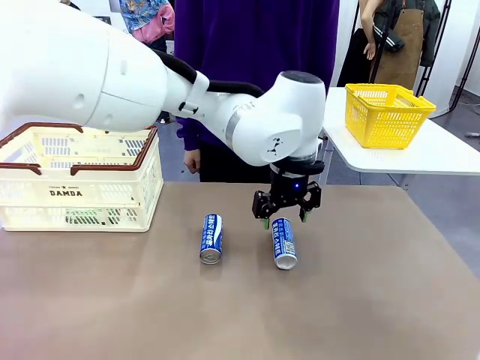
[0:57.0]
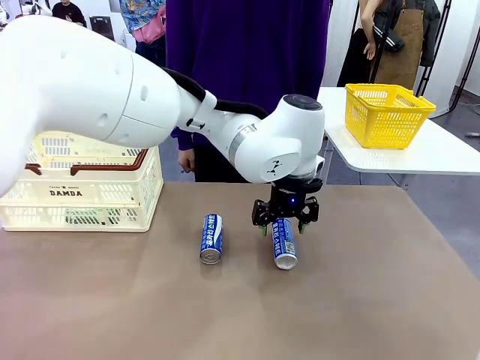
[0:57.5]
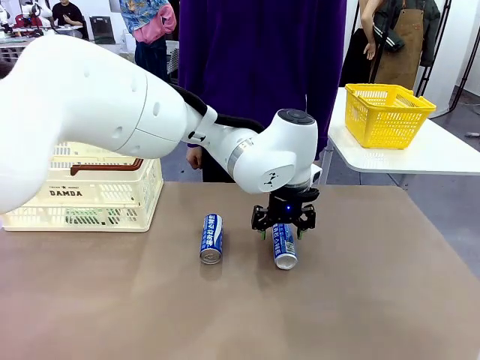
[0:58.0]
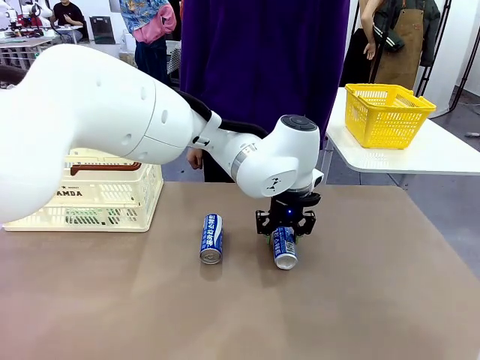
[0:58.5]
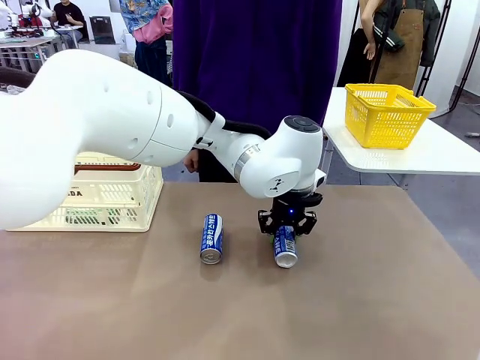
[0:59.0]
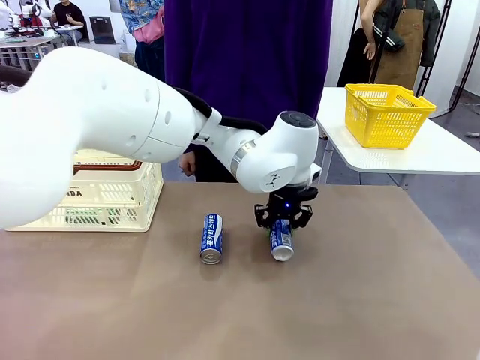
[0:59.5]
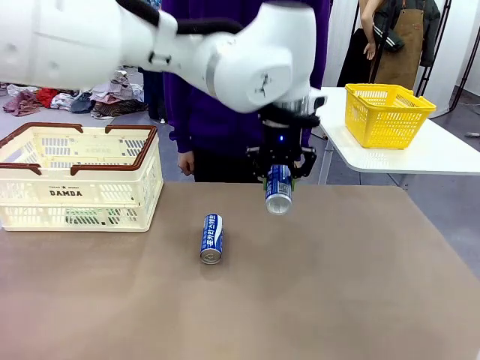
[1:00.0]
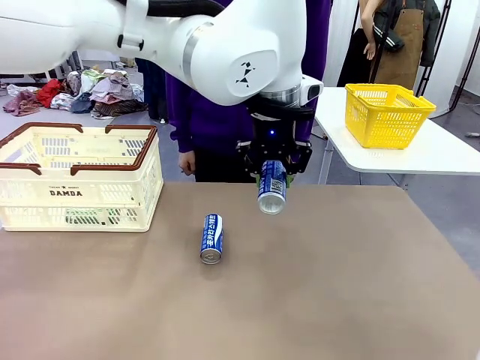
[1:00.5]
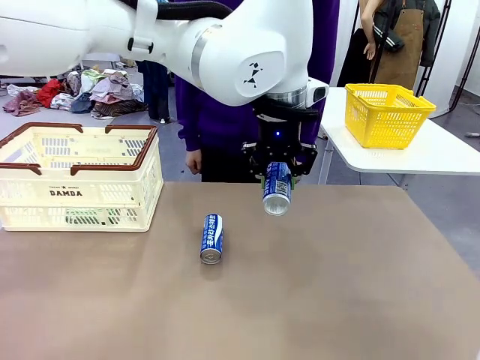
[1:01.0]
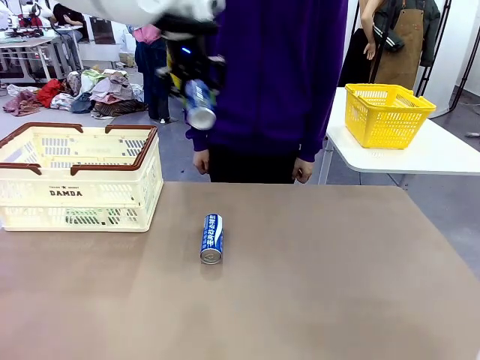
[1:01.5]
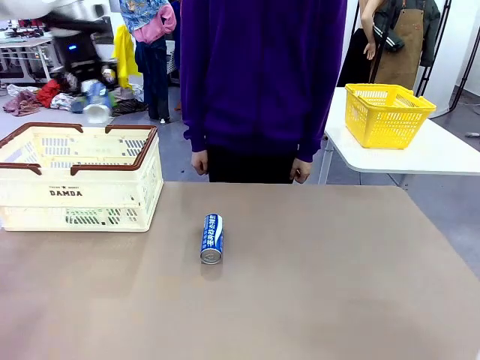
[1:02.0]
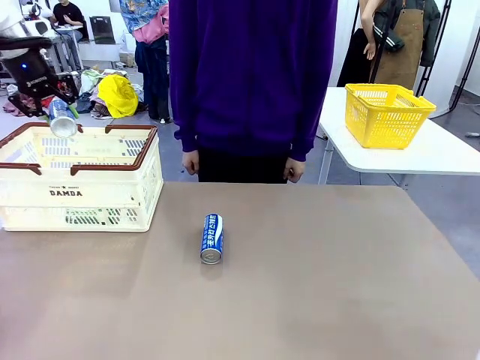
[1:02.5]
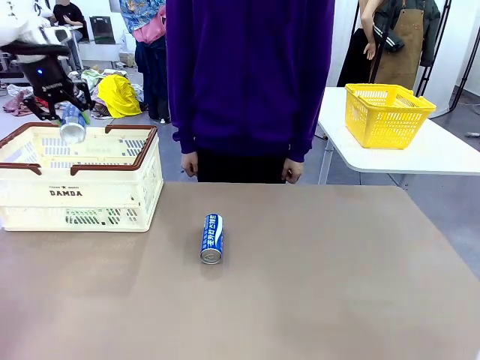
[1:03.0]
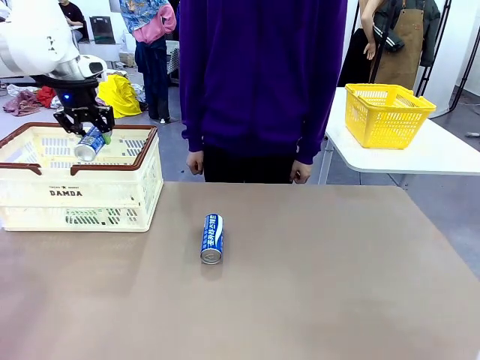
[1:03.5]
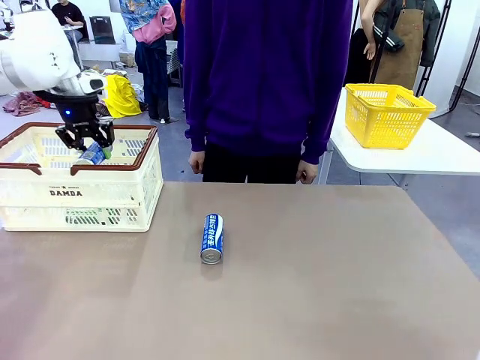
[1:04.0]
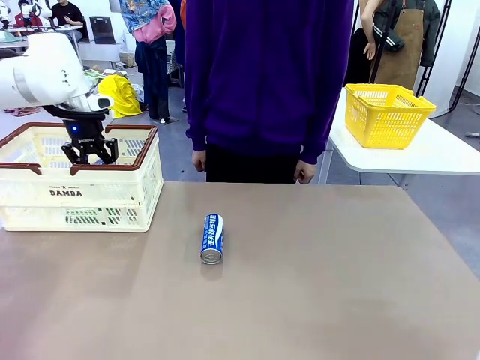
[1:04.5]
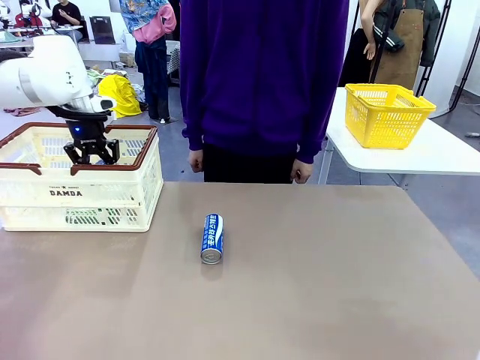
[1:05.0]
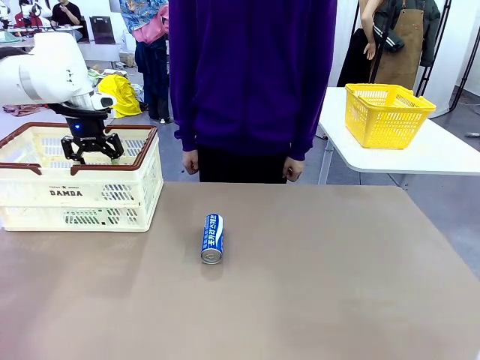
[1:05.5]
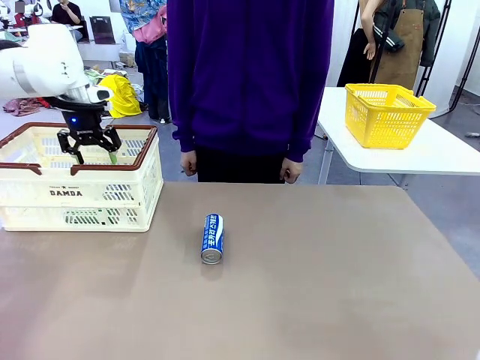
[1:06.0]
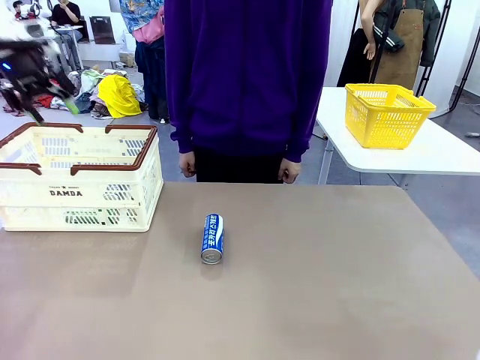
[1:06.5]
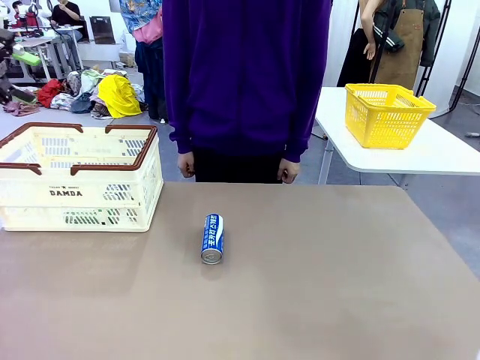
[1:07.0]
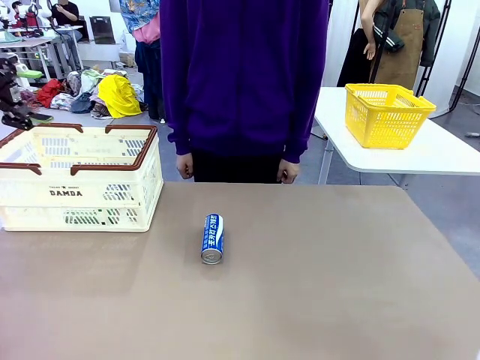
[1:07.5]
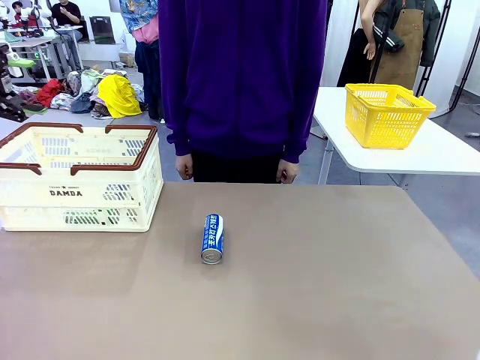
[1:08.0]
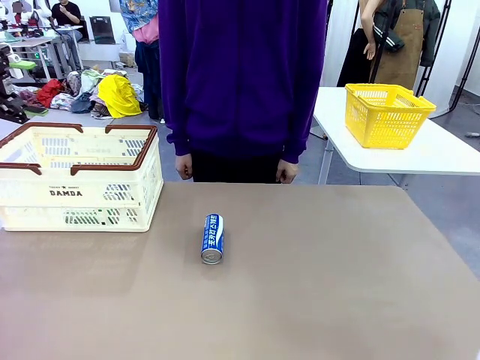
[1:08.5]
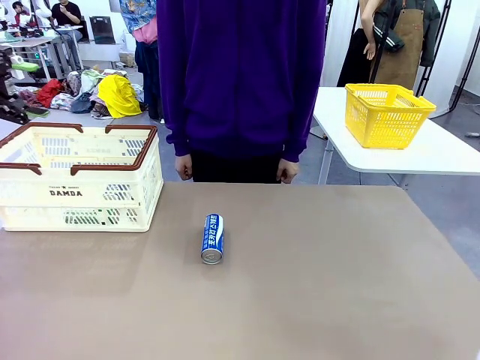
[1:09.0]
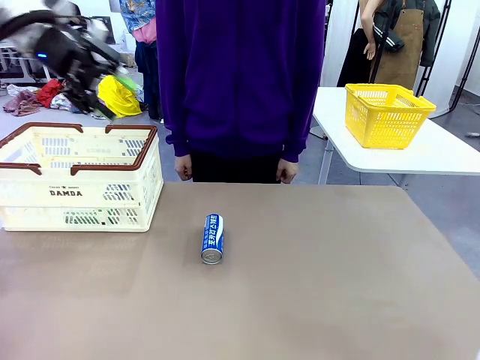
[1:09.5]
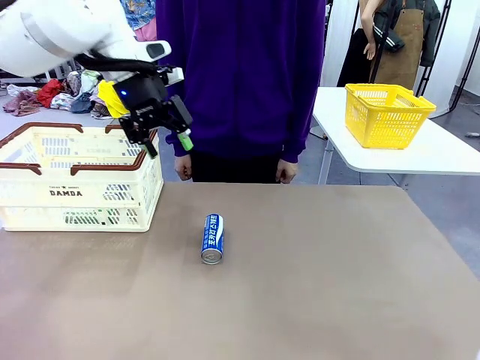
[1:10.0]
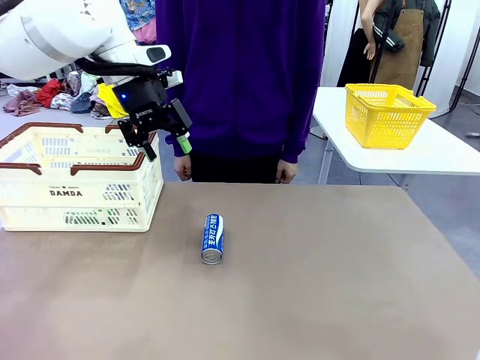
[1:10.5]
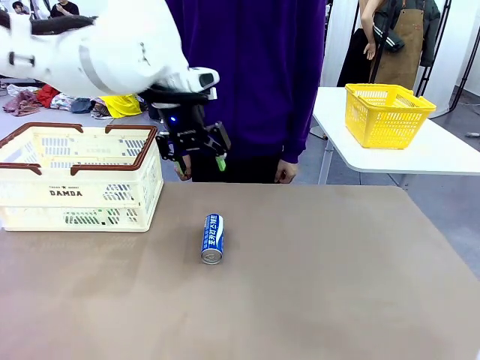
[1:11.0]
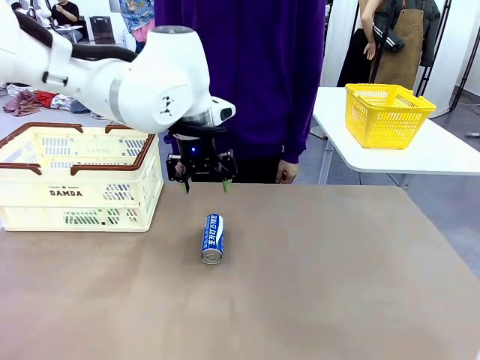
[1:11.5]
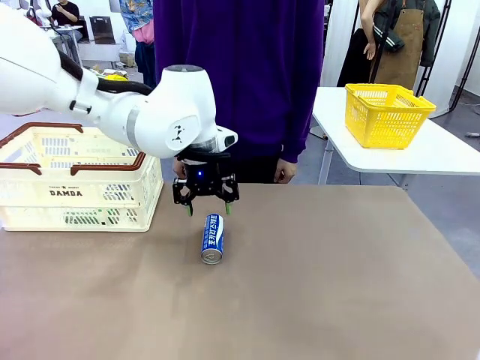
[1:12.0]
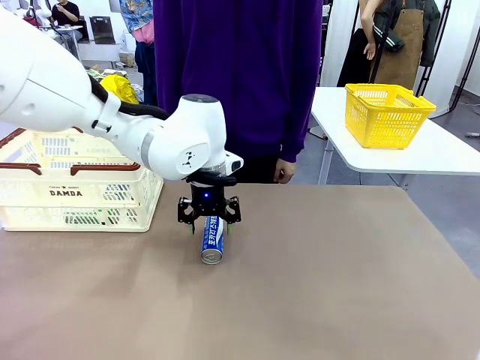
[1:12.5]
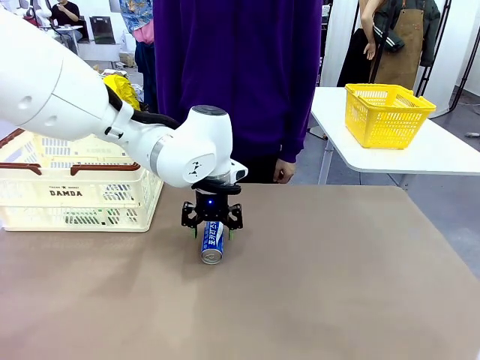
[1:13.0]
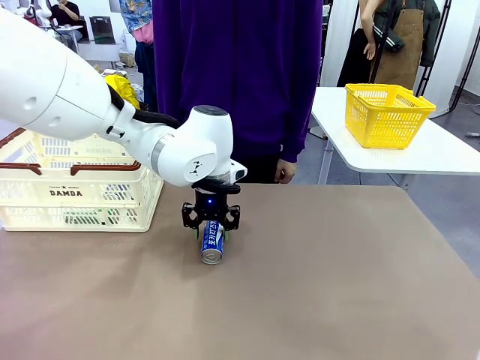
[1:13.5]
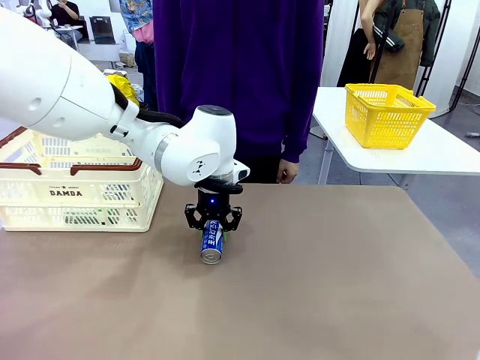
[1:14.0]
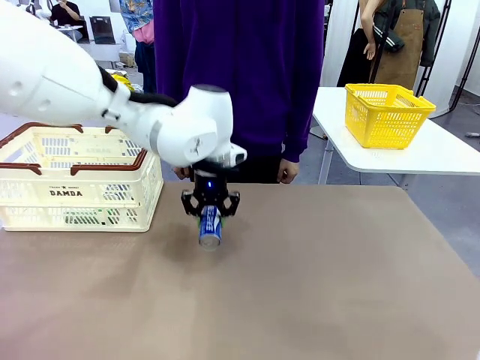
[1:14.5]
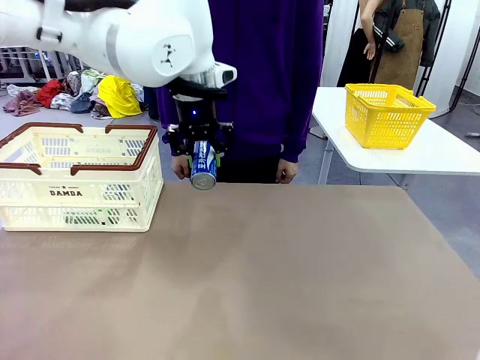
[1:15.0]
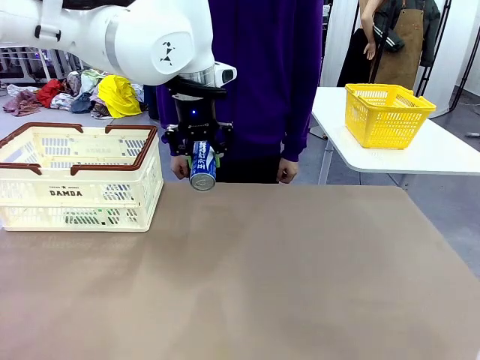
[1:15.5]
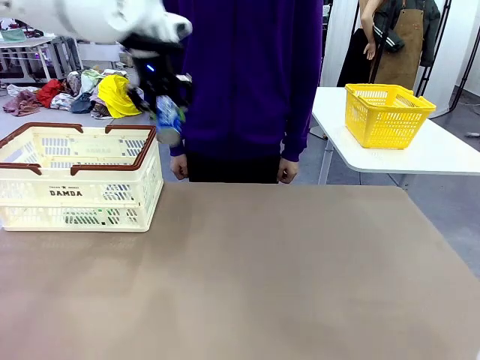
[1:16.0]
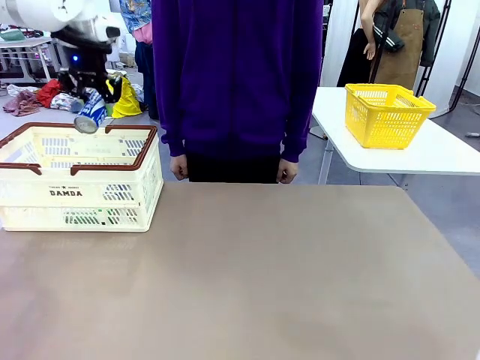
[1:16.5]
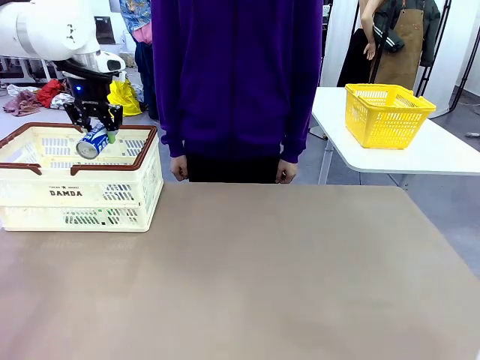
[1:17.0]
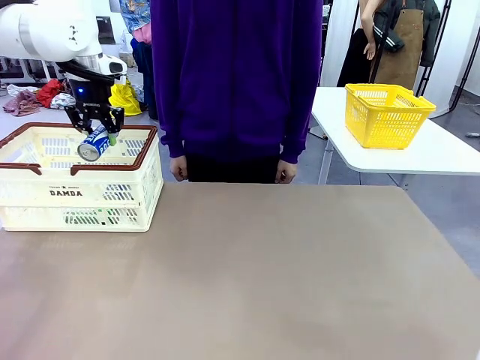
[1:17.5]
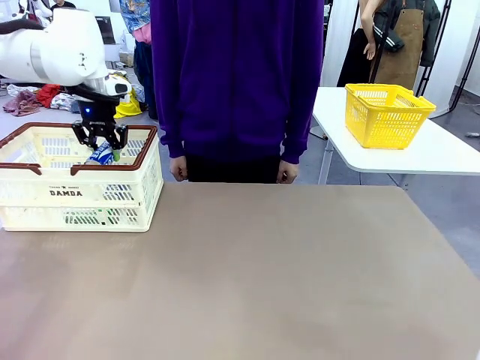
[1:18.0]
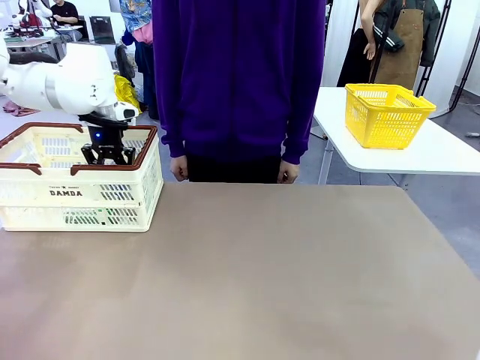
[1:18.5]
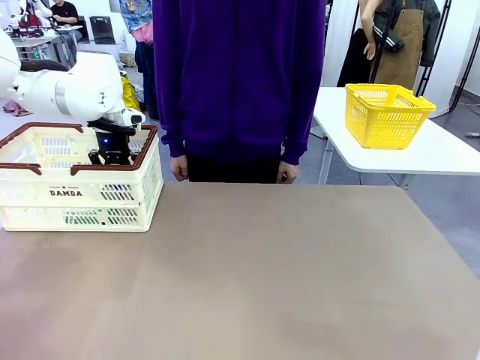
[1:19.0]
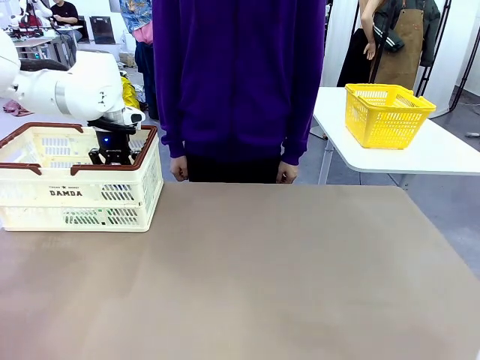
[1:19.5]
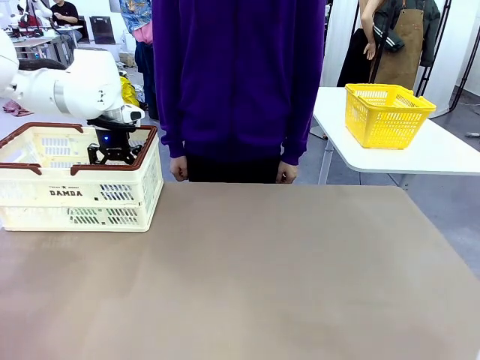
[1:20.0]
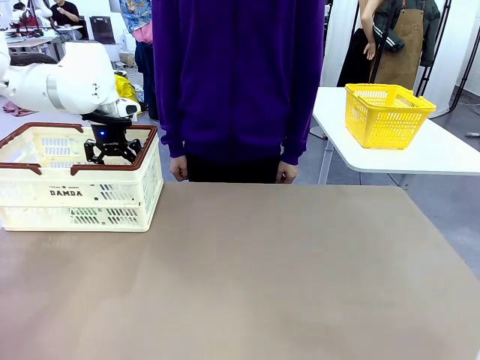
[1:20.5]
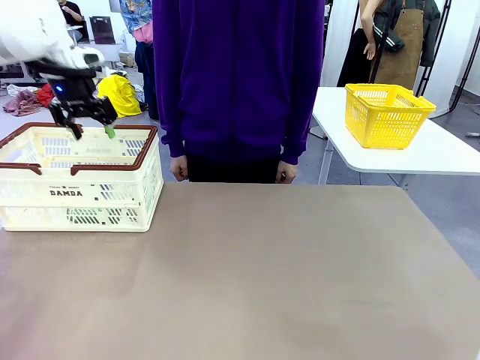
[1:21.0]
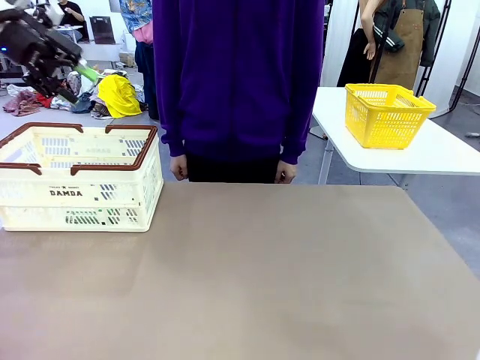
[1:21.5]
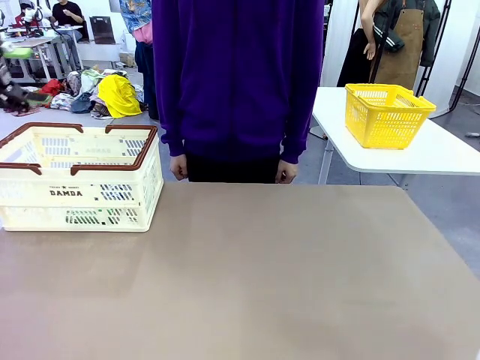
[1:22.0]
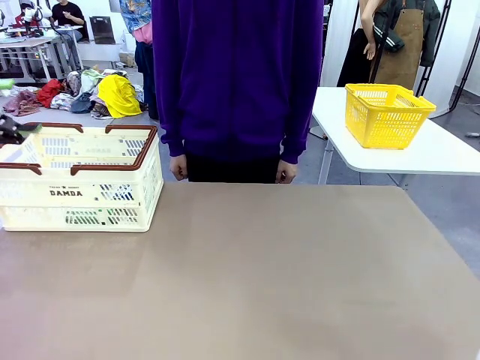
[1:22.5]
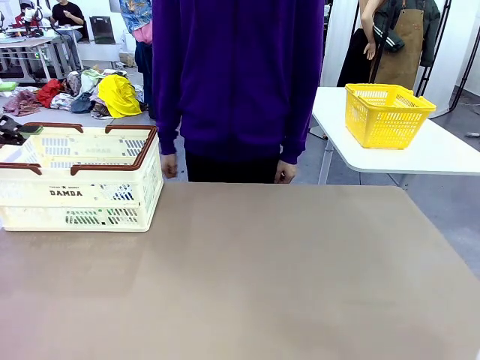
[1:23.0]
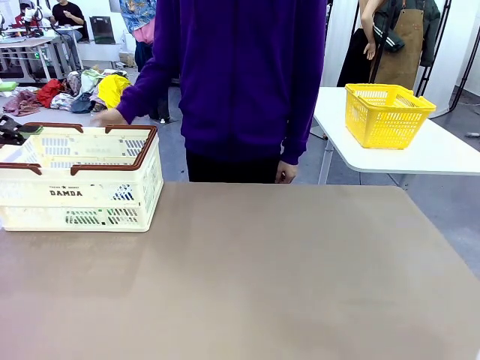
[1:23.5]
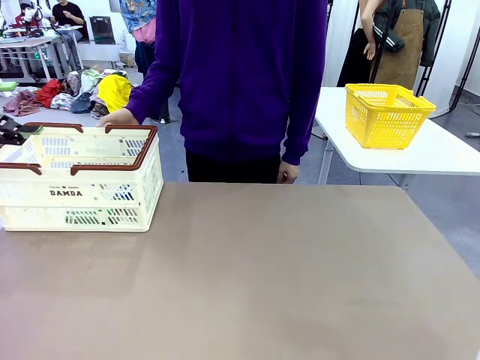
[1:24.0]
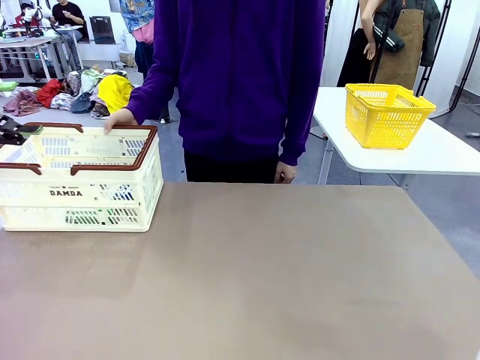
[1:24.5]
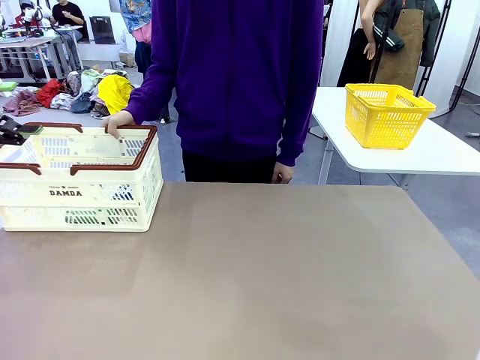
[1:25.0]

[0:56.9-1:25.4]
Task: Place the drinks into the Shopping basket.
Robot: Pick up one drink and place it into the Shopping basket.
